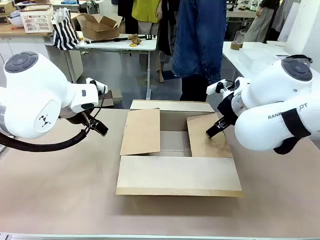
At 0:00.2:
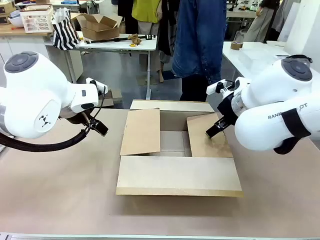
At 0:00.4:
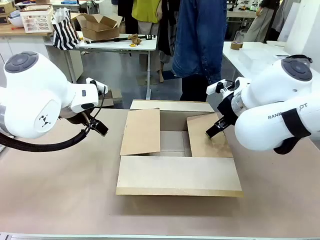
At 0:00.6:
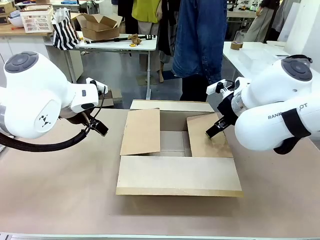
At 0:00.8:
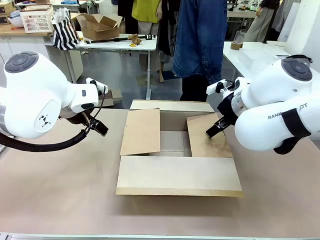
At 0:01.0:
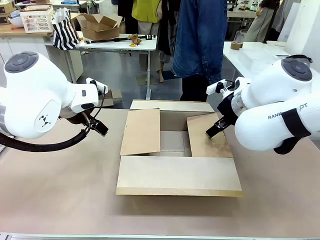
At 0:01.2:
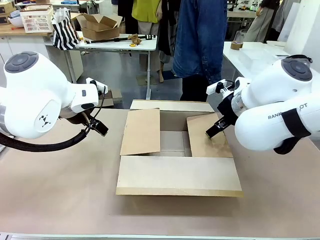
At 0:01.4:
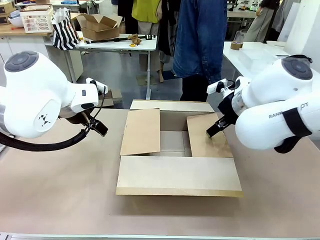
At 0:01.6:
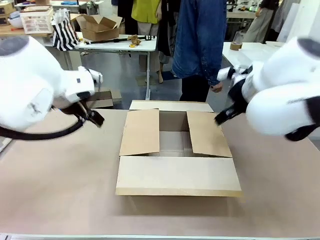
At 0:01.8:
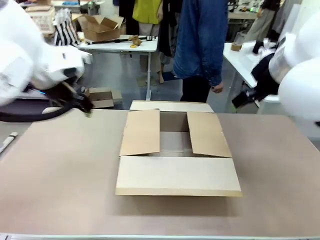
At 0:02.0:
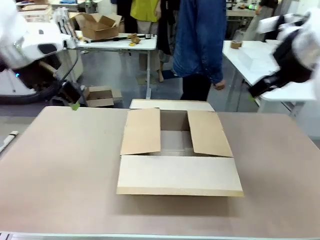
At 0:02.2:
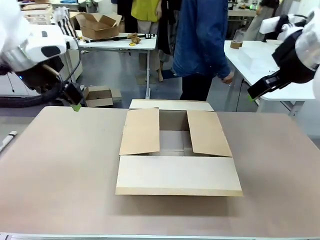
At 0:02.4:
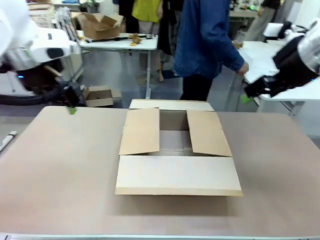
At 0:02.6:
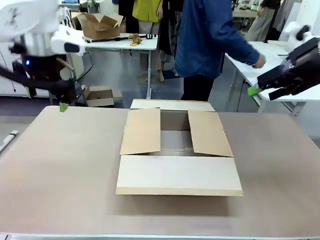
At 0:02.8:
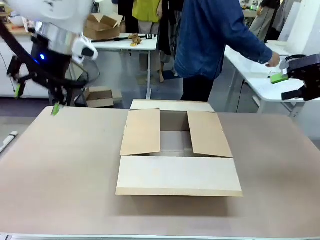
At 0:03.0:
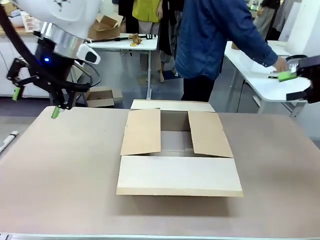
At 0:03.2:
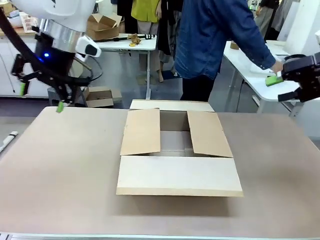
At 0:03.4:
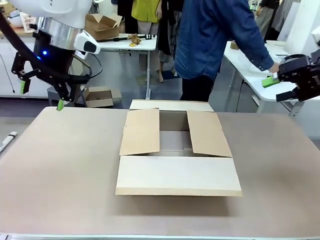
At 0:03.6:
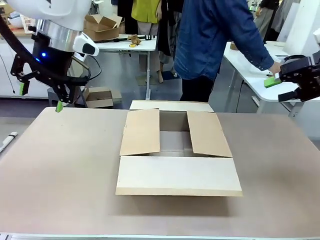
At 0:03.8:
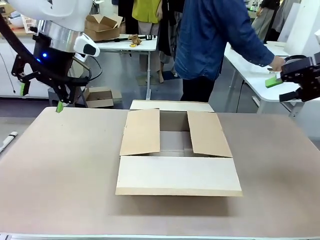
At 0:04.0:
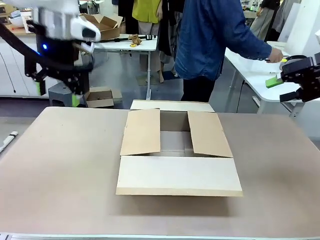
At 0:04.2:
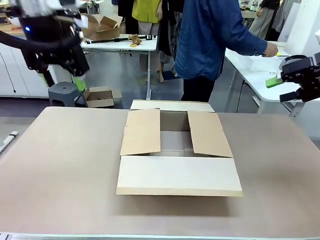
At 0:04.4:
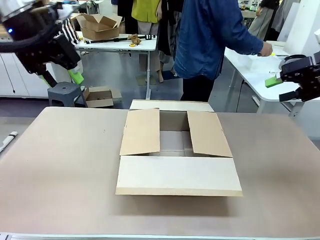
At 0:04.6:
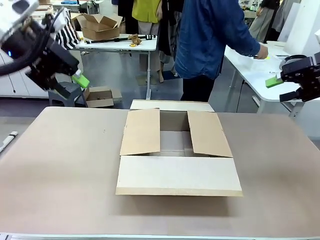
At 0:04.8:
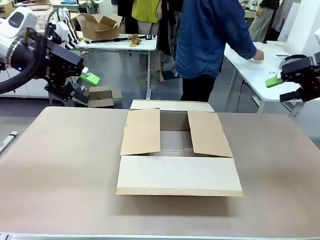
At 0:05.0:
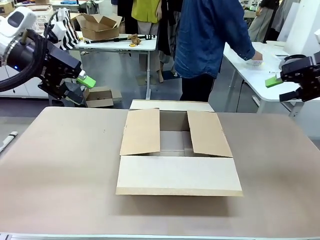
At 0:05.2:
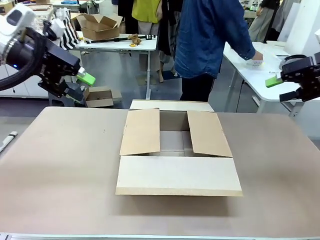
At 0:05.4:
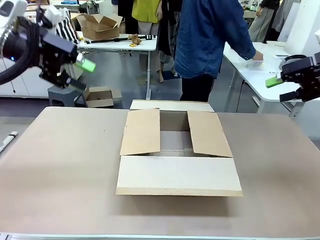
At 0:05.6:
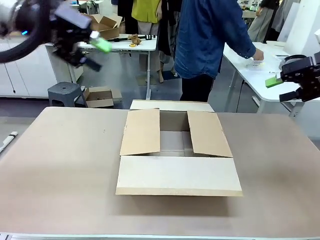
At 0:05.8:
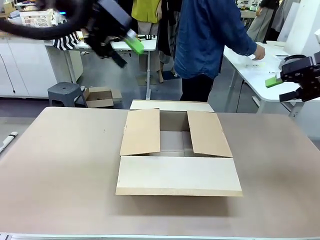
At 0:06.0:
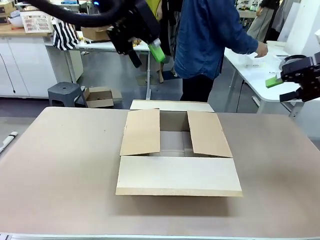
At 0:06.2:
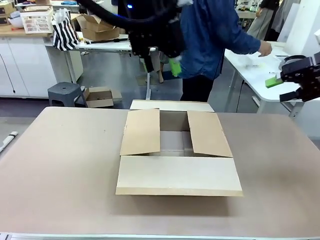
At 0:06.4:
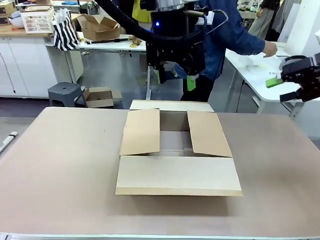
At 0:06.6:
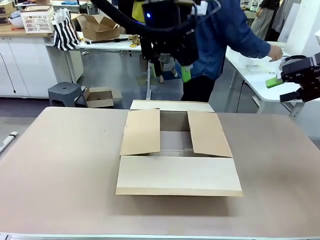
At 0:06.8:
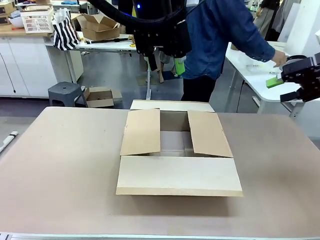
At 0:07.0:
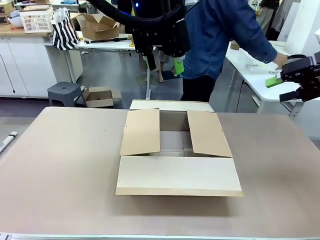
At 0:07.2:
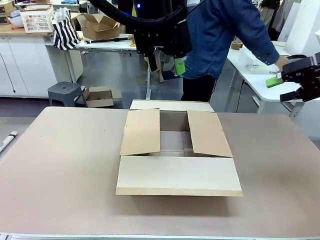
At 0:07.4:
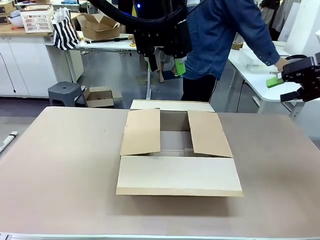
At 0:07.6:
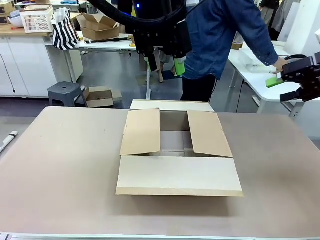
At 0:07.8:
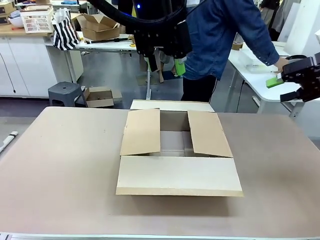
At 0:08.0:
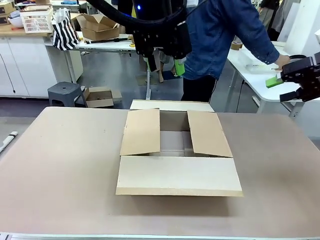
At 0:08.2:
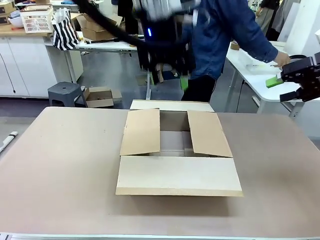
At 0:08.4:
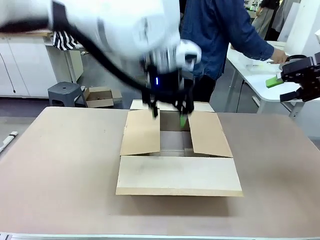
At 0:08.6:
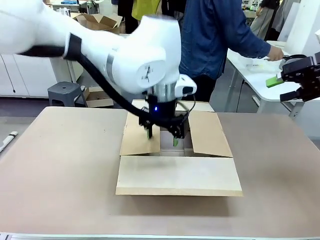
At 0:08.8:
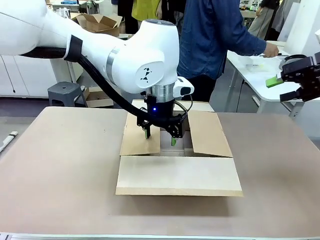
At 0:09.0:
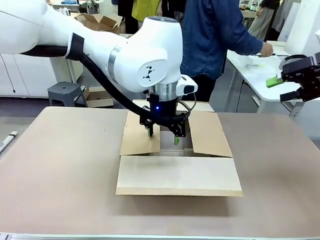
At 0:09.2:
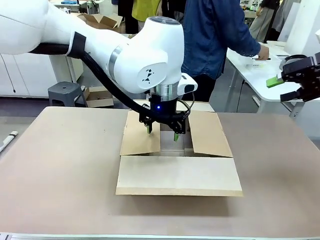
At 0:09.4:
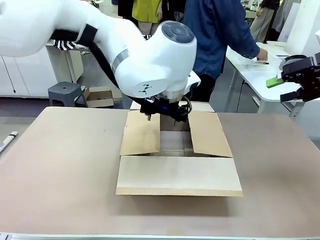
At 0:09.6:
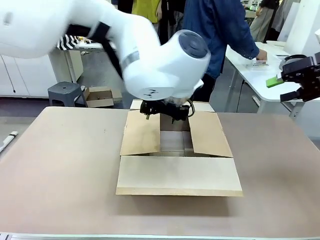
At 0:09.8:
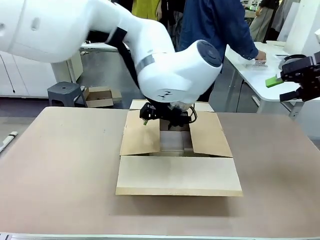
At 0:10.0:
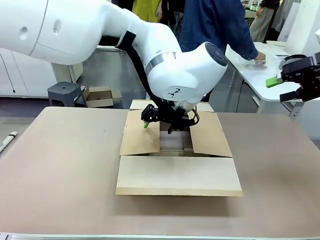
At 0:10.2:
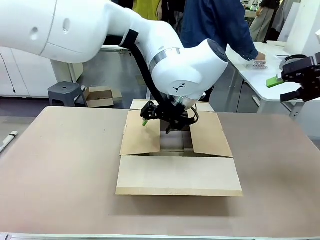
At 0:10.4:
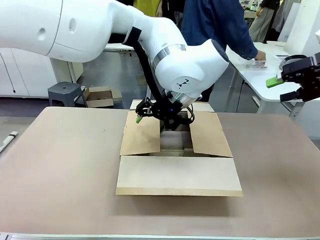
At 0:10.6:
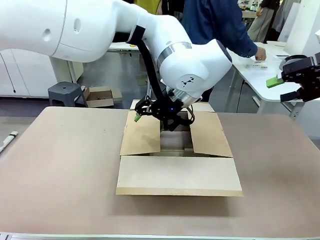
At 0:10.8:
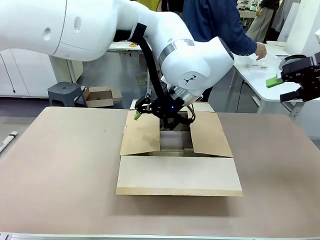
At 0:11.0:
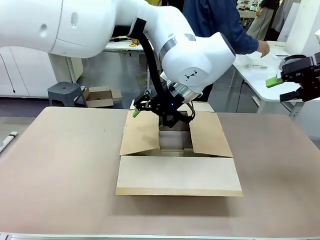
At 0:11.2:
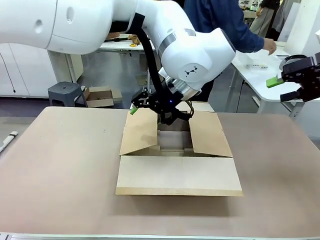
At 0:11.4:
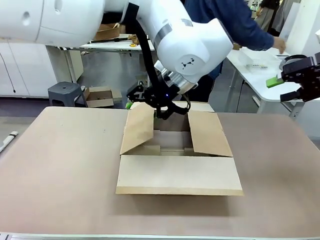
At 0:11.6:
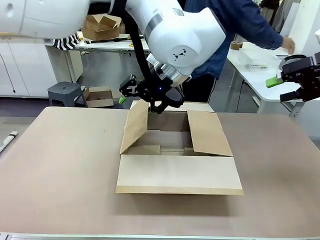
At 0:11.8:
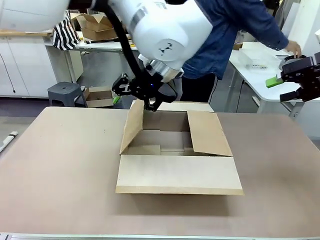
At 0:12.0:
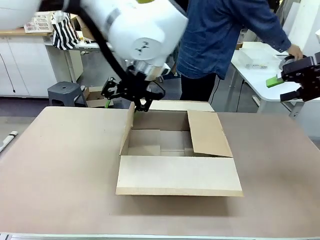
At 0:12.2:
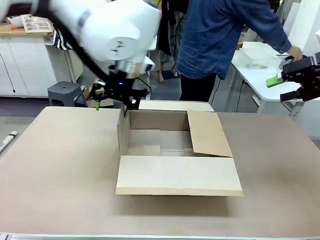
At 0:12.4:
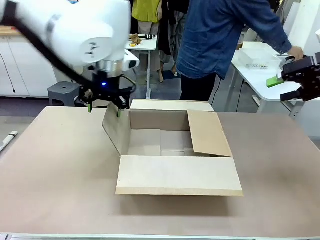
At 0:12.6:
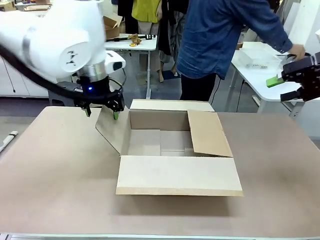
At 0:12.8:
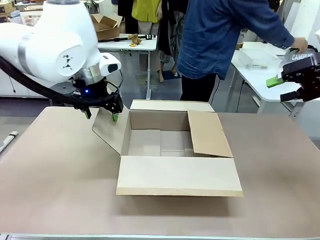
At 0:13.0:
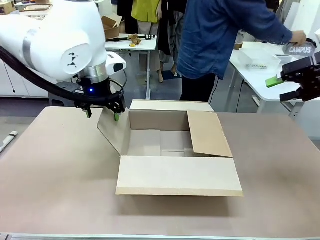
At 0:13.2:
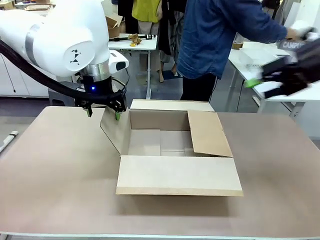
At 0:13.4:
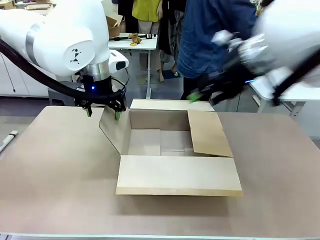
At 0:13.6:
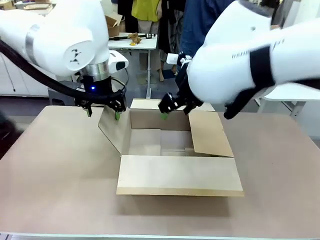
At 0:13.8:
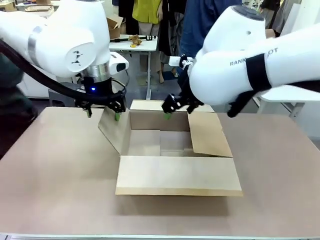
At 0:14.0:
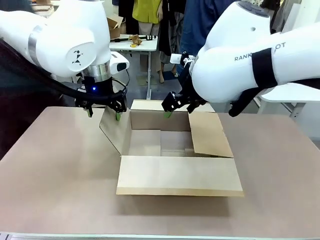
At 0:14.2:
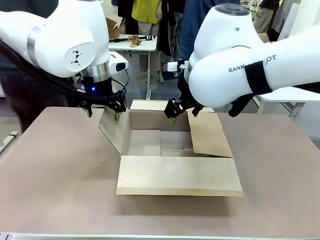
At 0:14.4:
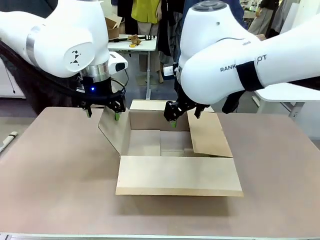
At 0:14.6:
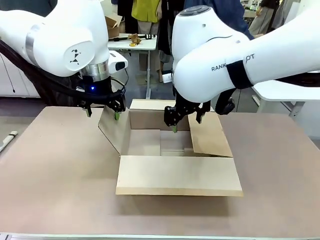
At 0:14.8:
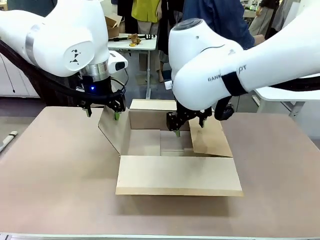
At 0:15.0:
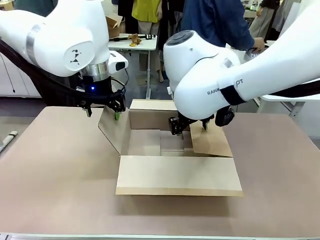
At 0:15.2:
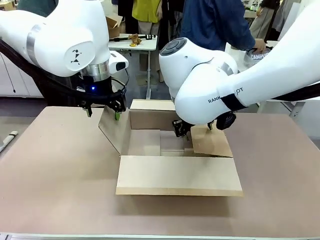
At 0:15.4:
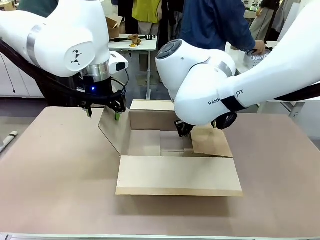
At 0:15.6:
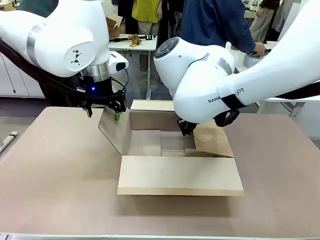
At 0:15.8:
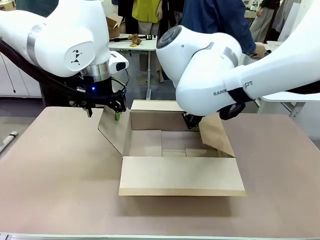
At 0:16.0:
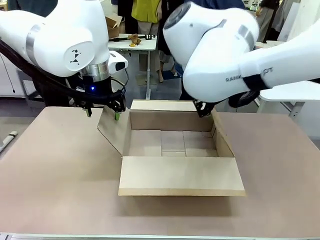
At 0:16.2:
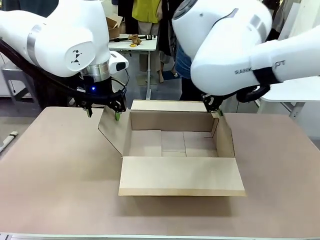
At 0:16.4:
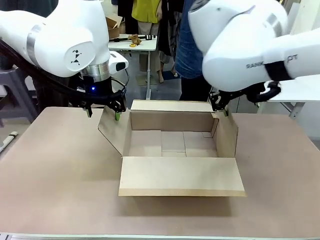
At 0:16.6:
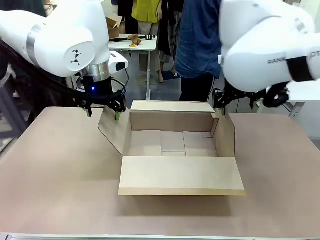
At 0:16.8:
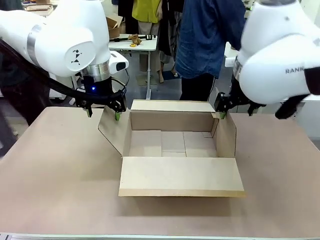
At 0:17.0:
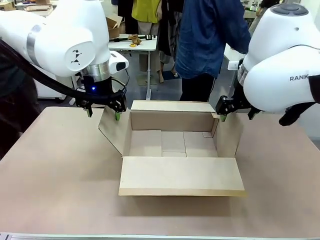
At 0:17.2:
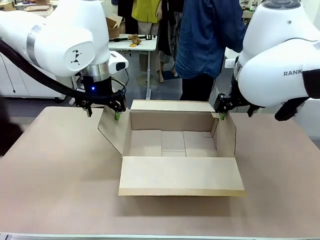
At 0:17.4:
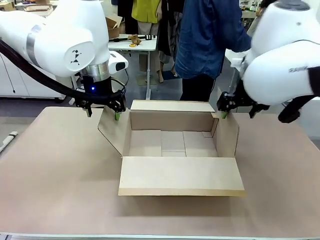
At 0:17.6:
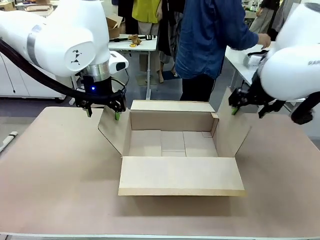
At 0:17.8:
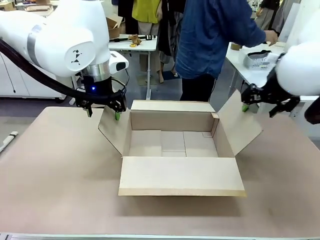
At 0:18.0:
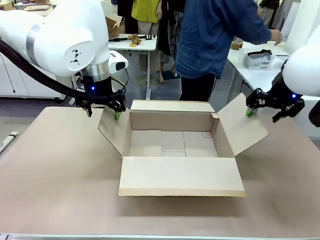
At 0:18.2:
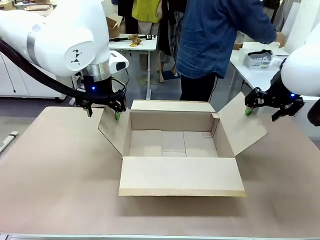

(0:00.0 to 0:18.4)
Task: Pack the gift set into the box.
Robot: Place both hands on the side flaps of the Package Box and spread them outward.
Person: The human places all items except the paper tape into the organizing basket.
